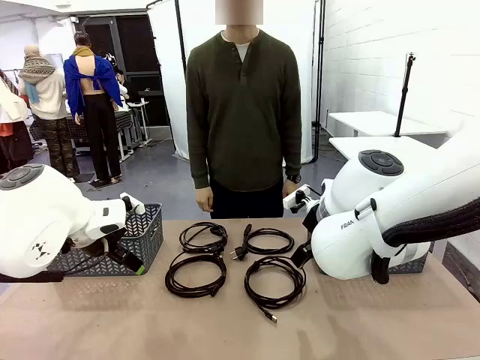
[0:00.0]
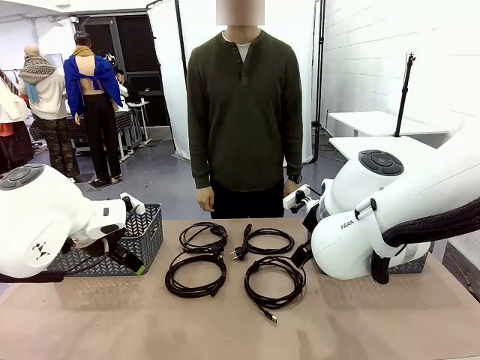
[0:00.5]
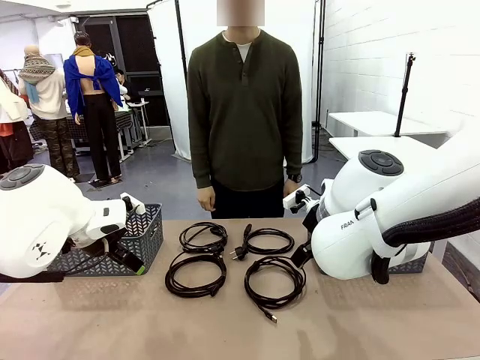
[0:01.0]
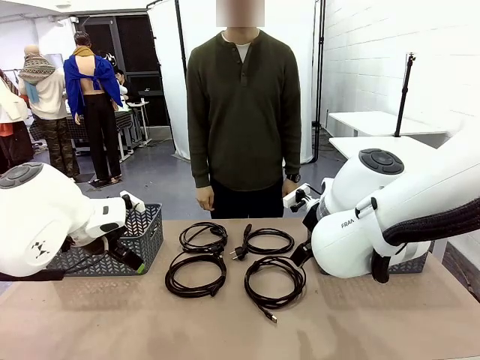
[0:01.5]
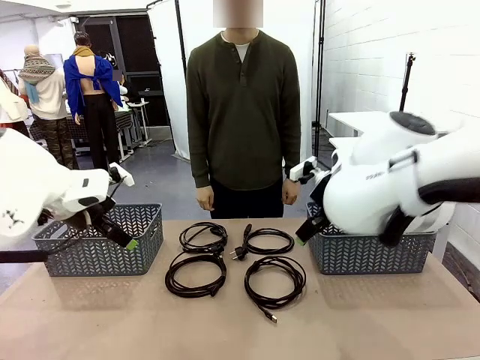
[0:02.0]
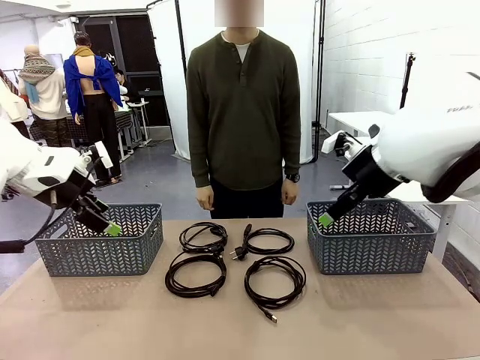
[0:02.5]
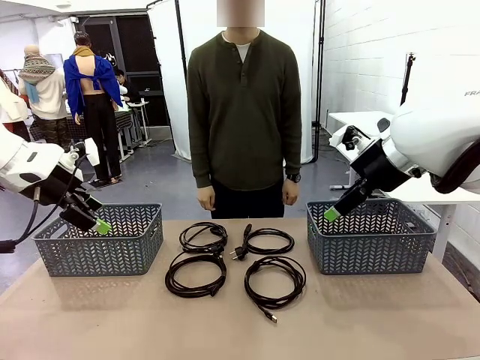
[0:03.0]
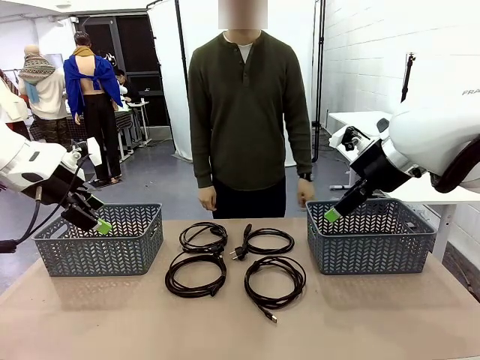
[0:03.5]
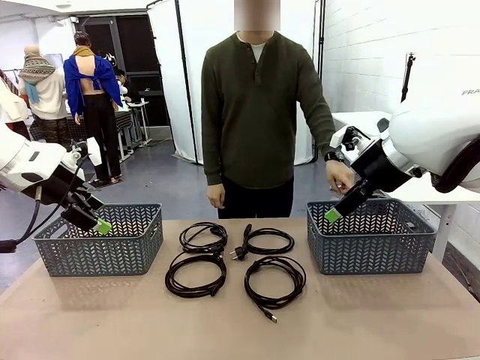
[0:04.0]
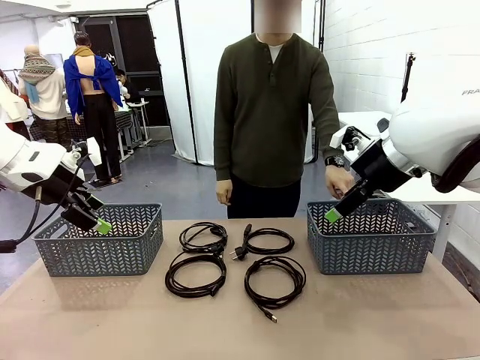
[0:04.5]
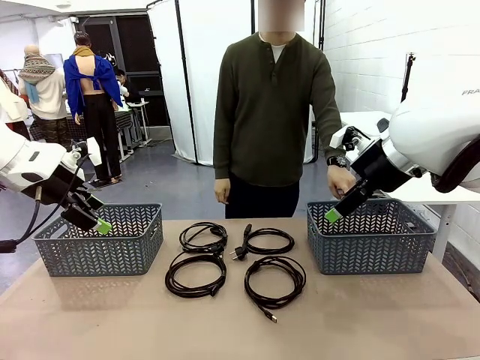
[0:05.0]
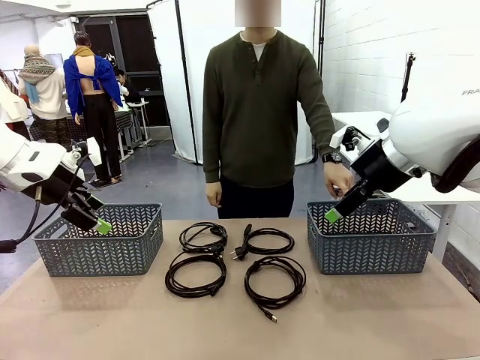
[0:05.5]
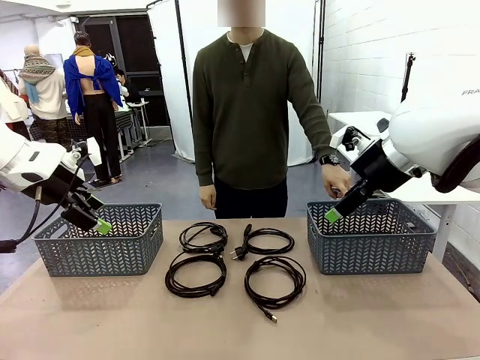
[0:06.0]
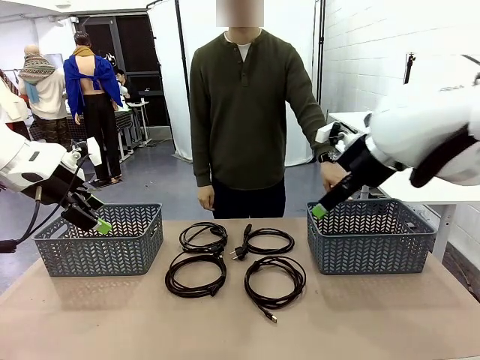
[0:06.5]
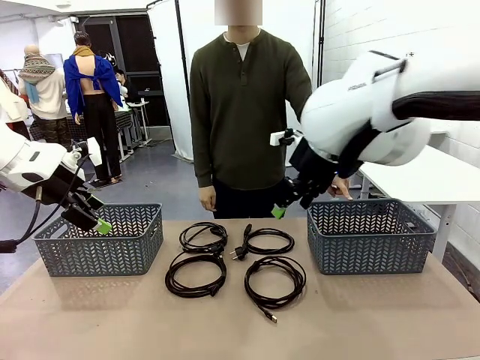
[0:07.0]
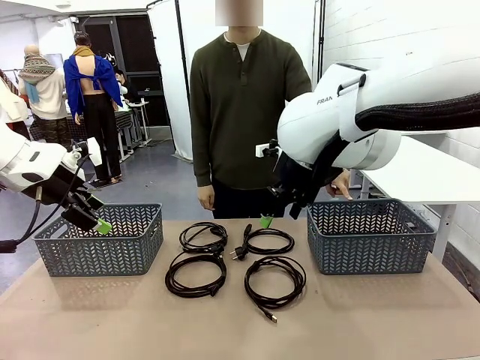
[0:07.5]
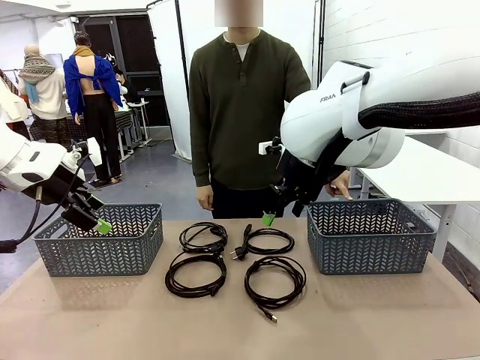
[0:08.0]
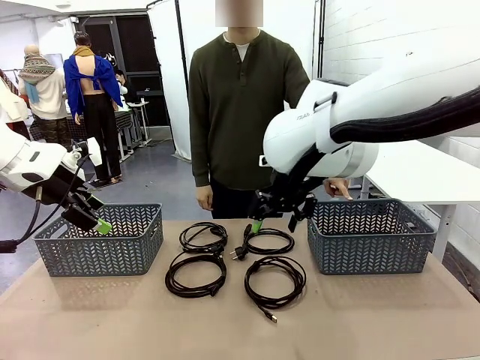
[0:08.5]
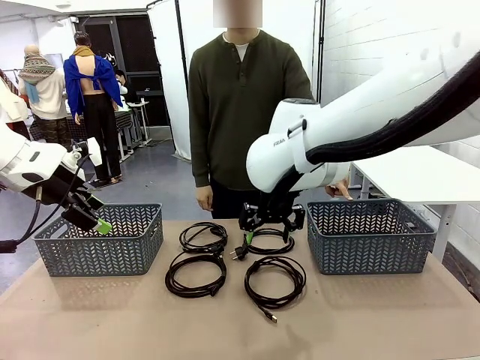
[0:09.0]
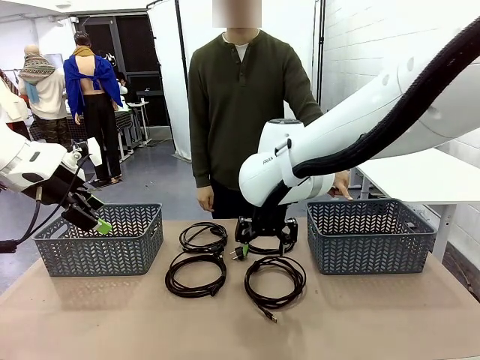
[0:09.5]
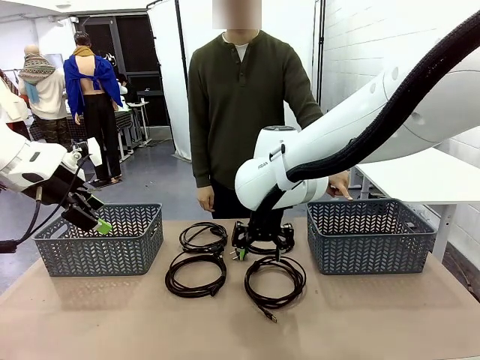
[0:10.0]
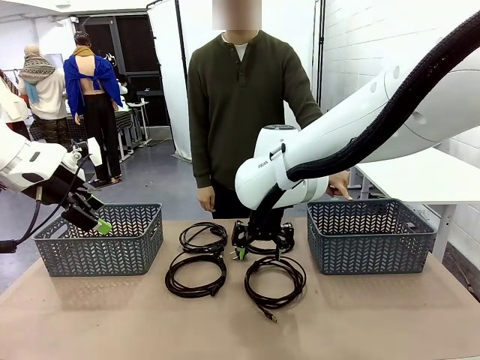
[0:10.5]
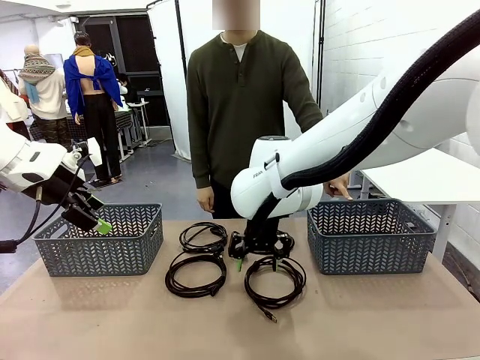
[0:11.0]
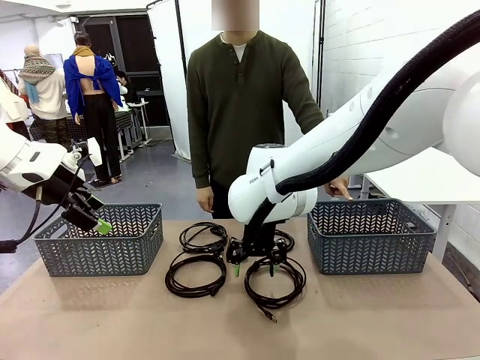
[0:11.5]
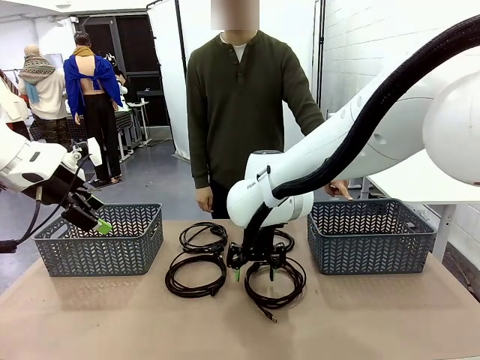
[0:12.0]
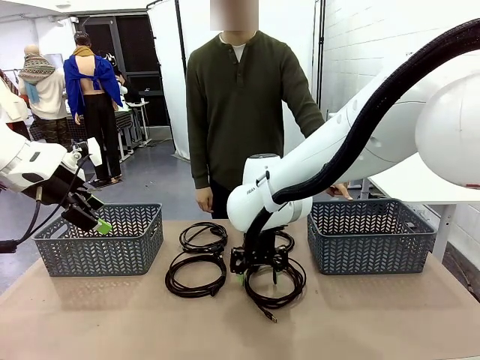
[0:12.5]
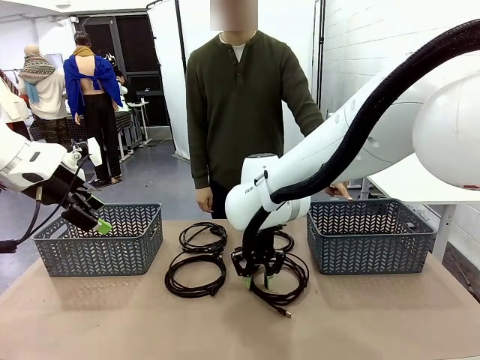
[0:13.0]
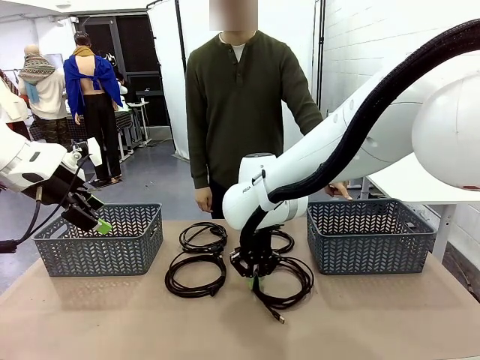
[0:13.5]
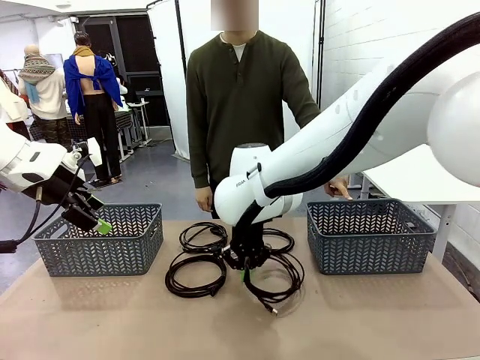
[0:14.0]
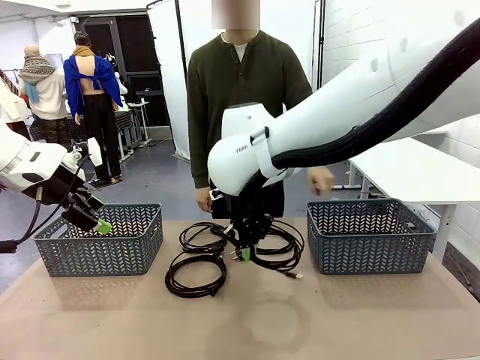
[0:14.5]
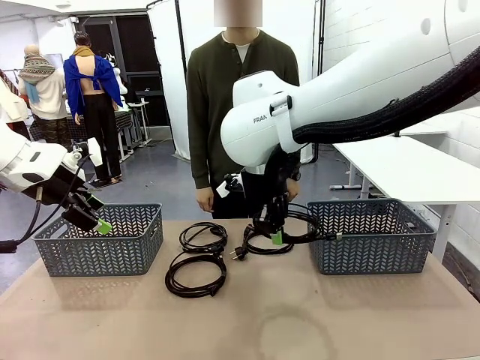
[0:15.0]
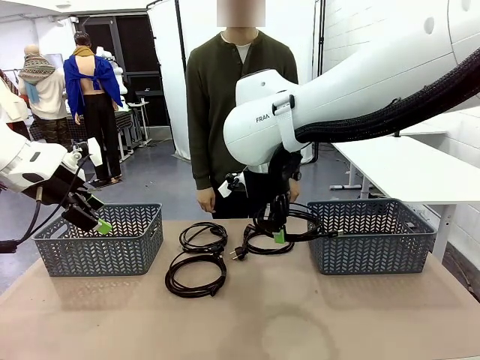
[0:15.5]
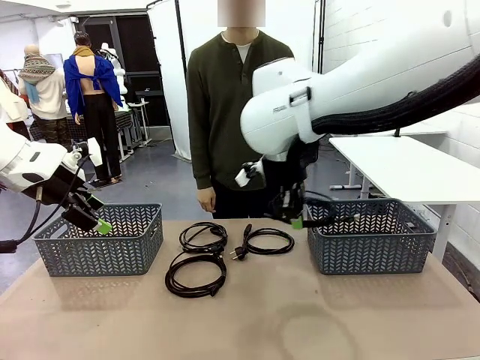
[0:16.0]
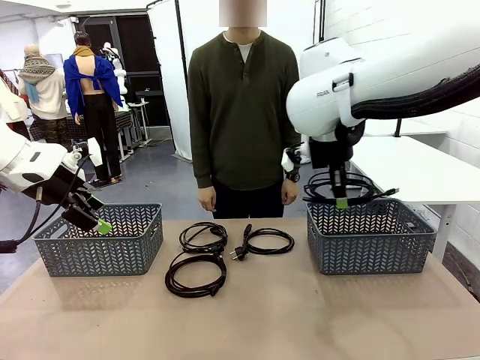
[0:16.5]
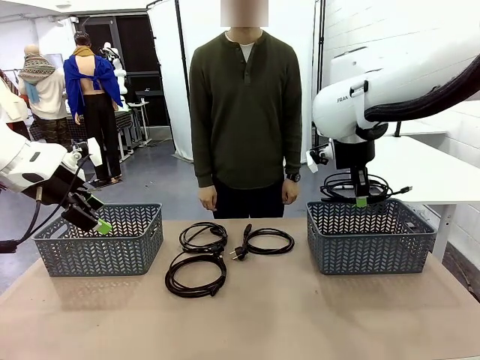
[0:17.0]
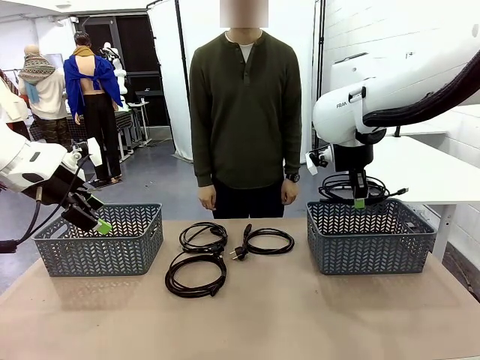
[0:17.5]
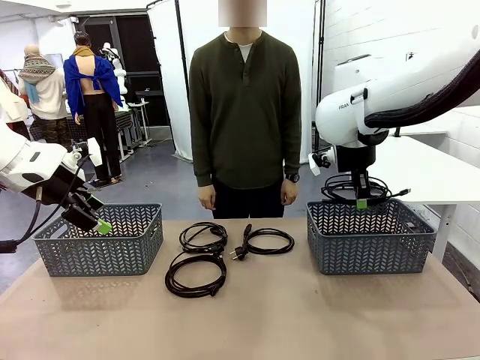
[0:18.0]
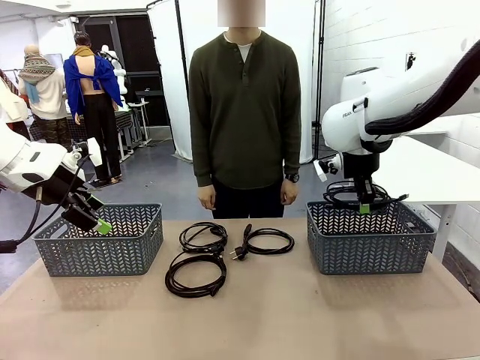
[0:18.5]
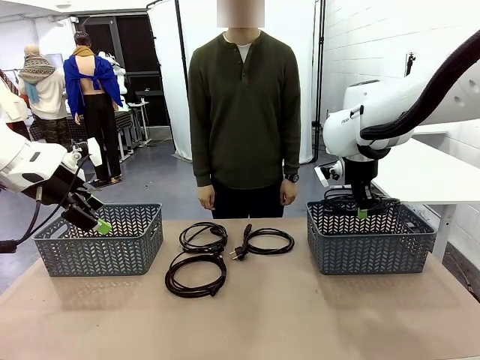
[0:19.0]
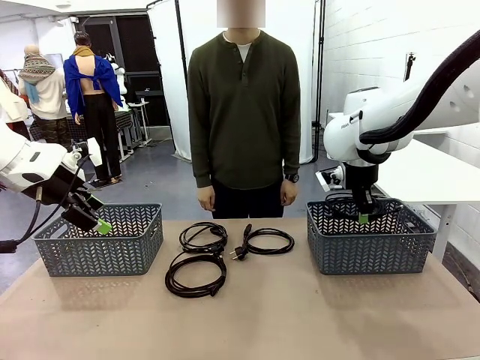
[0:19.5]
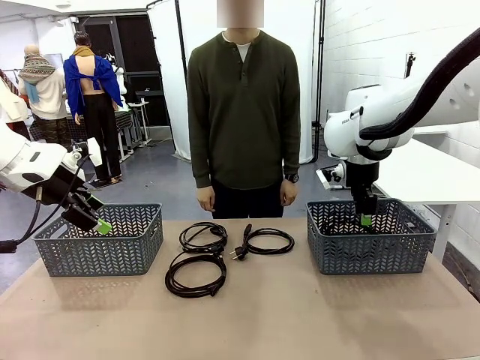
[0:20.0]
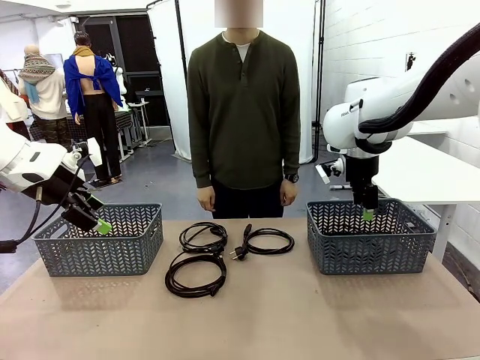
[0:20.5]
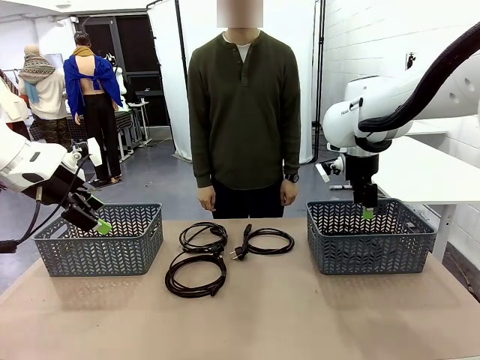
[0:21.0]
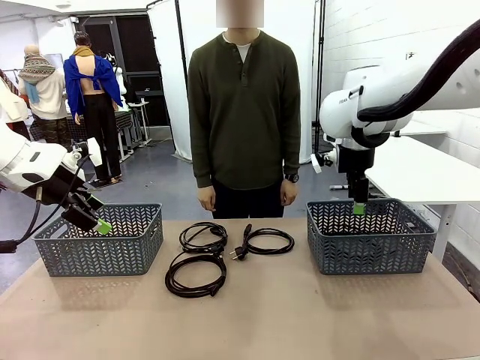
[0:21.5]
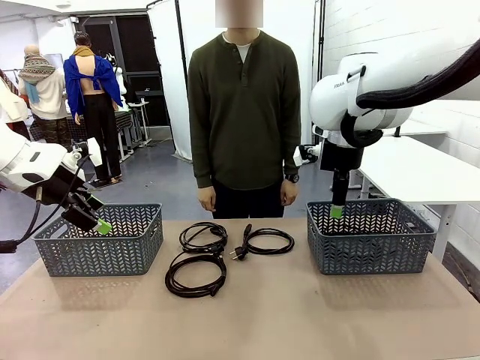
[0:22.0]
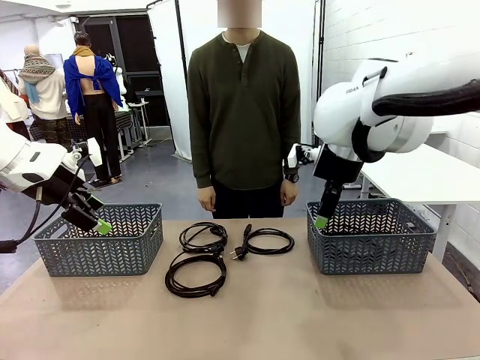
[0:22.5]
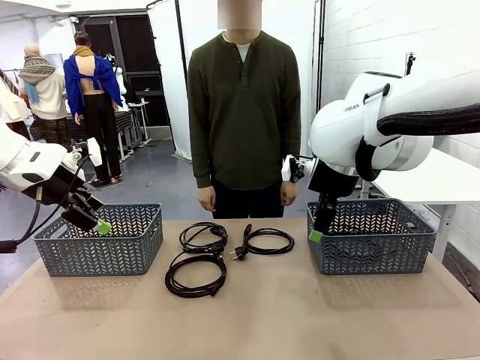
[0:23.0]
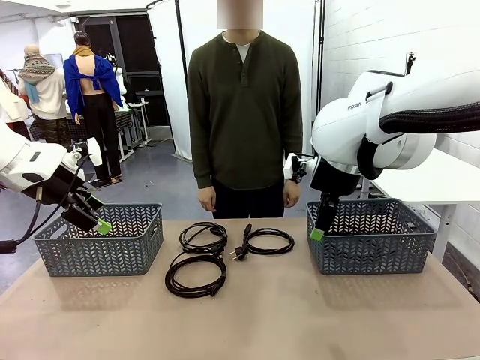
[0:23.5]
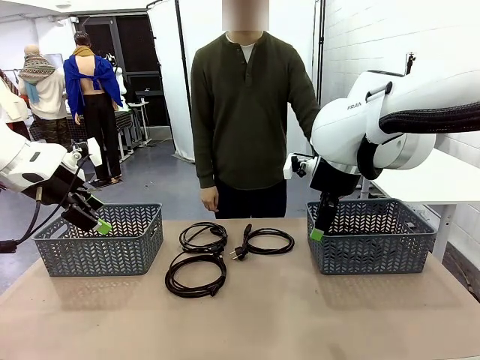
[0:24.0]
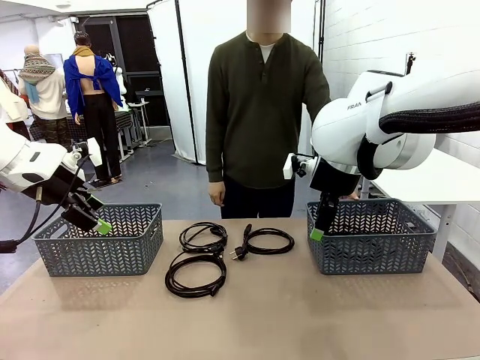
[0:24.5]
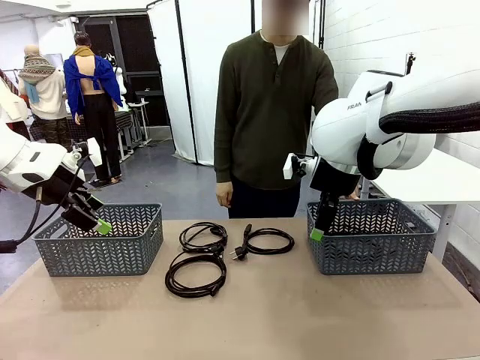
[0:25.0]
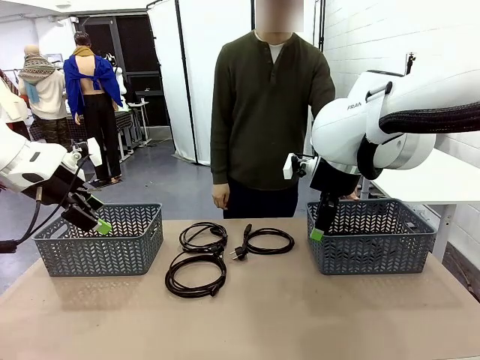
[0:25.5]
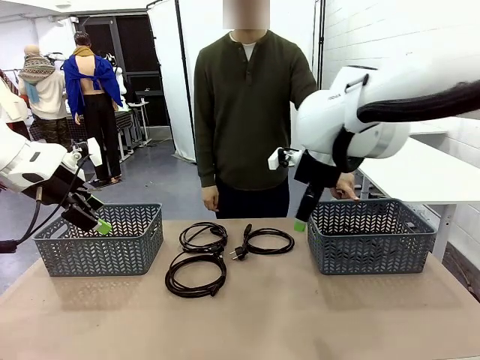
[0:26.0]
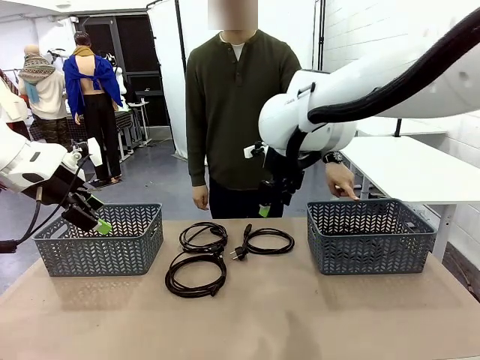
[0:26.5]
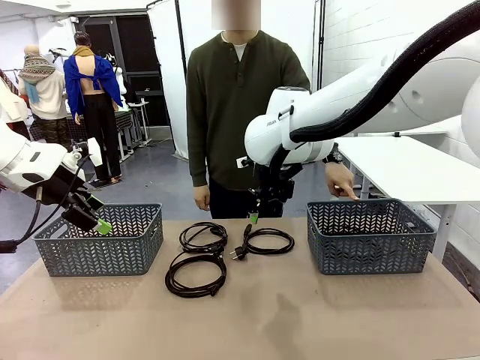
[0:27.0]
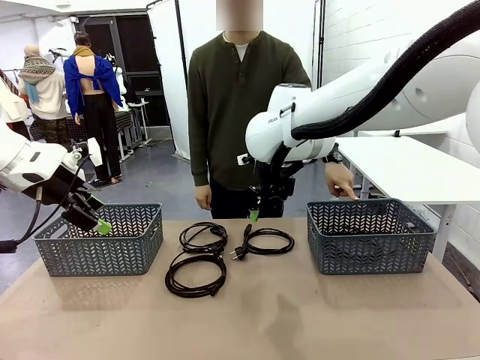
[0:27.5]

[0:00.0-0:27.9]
Task: Organize the cables according to human instructions.
Robot: Pick up a bundle of cables and place it in the basket indicated by the human.
